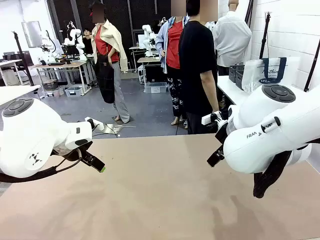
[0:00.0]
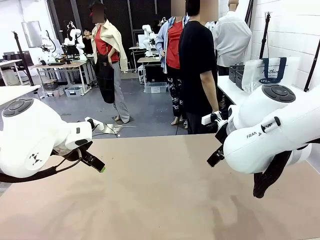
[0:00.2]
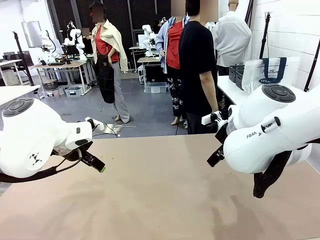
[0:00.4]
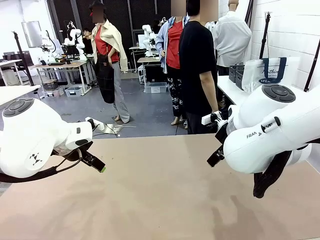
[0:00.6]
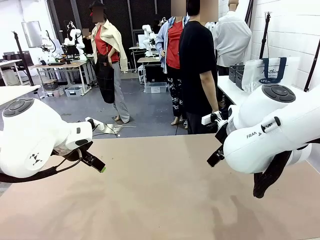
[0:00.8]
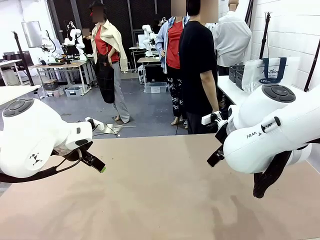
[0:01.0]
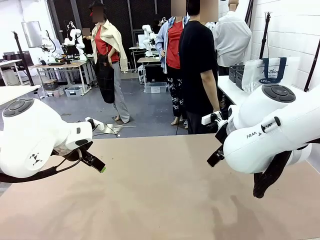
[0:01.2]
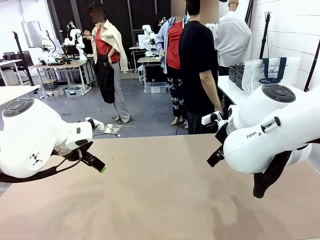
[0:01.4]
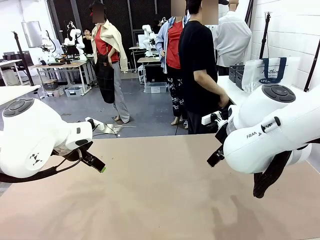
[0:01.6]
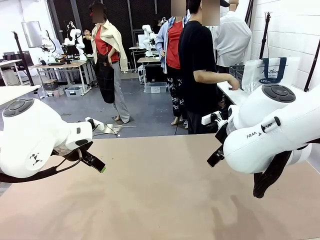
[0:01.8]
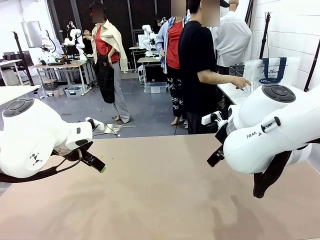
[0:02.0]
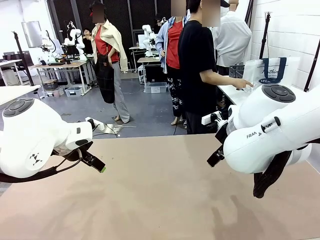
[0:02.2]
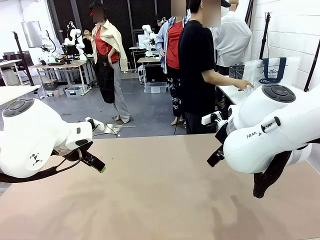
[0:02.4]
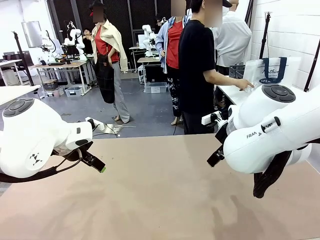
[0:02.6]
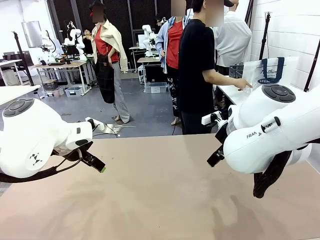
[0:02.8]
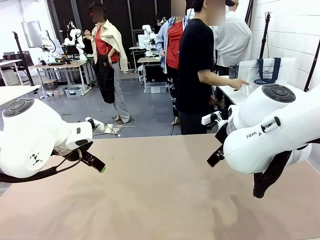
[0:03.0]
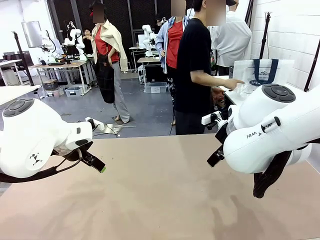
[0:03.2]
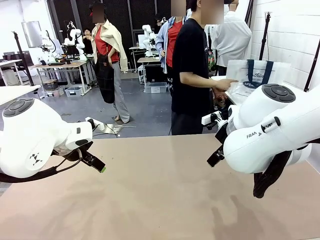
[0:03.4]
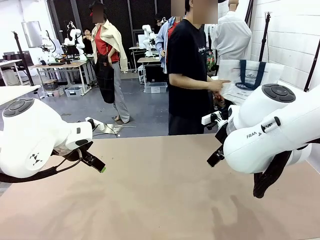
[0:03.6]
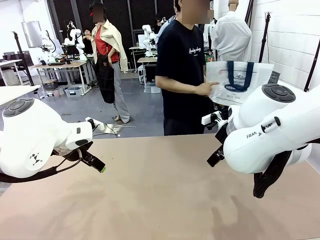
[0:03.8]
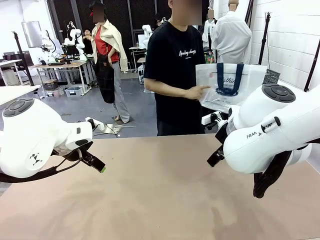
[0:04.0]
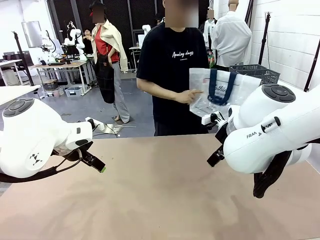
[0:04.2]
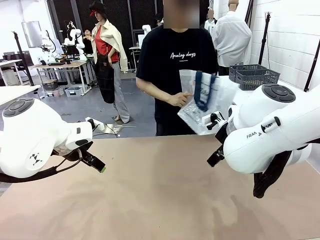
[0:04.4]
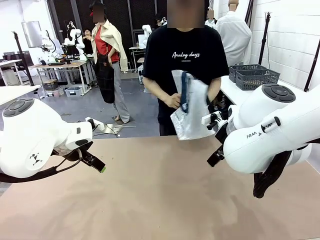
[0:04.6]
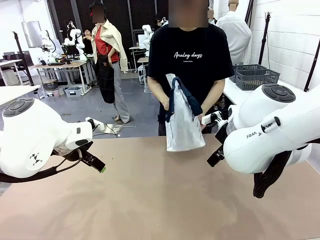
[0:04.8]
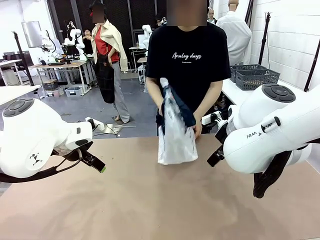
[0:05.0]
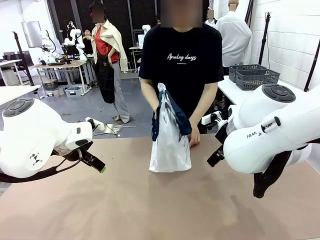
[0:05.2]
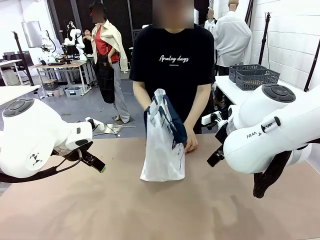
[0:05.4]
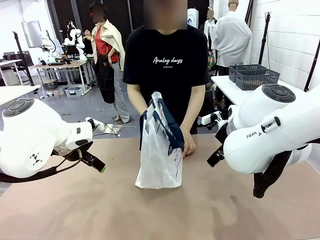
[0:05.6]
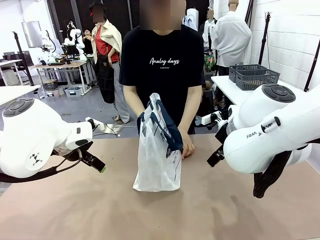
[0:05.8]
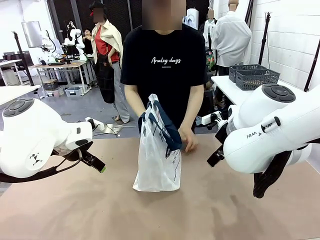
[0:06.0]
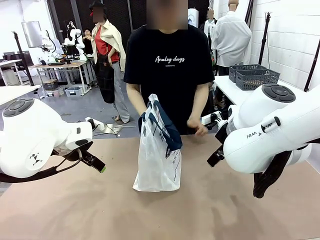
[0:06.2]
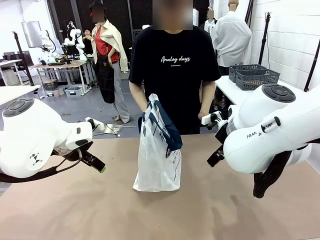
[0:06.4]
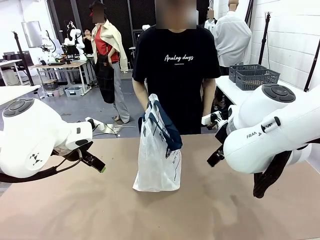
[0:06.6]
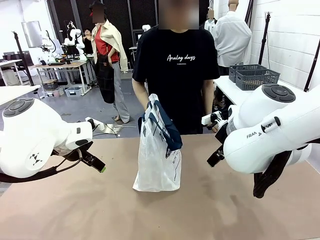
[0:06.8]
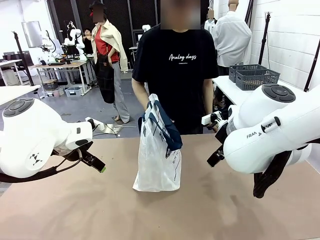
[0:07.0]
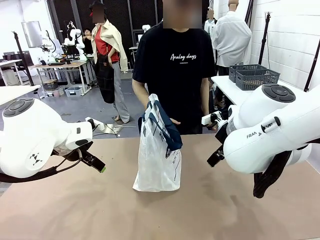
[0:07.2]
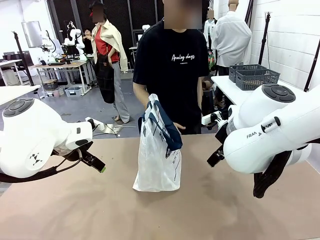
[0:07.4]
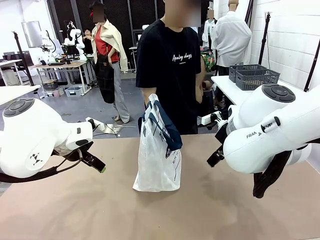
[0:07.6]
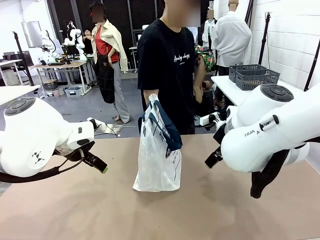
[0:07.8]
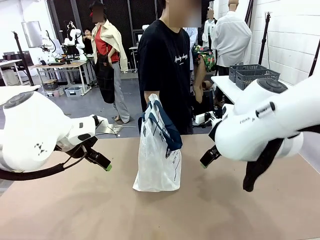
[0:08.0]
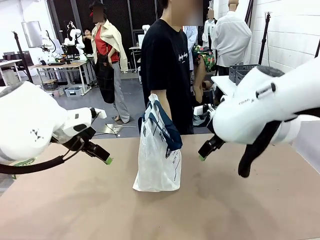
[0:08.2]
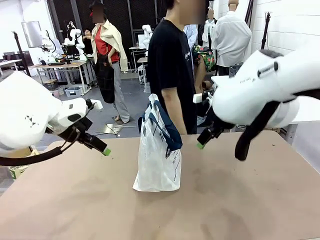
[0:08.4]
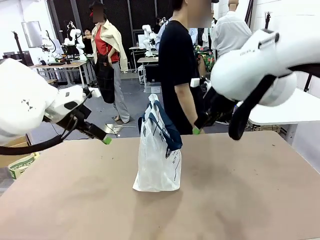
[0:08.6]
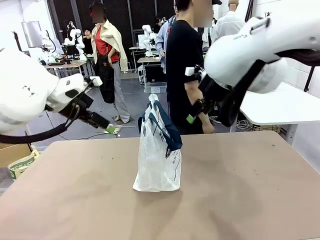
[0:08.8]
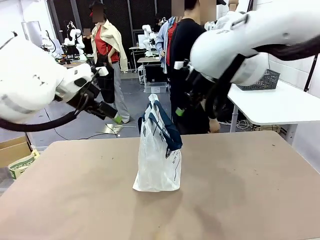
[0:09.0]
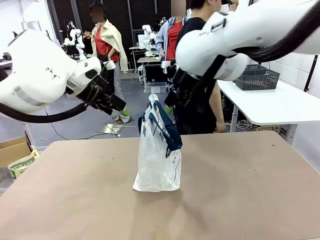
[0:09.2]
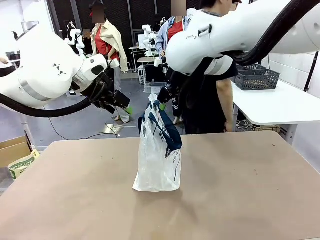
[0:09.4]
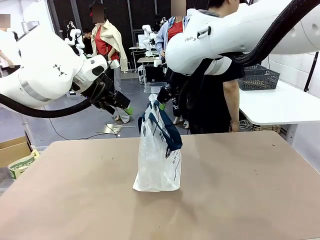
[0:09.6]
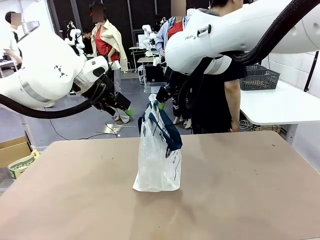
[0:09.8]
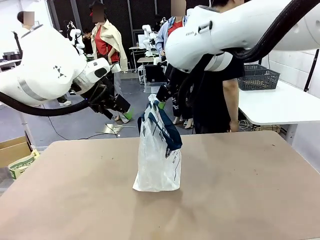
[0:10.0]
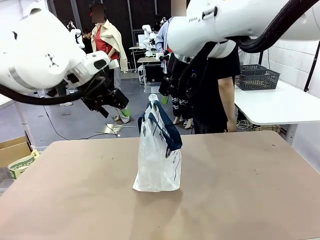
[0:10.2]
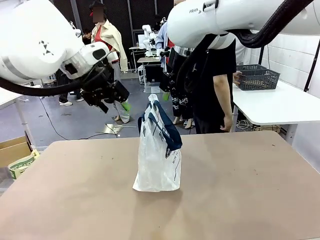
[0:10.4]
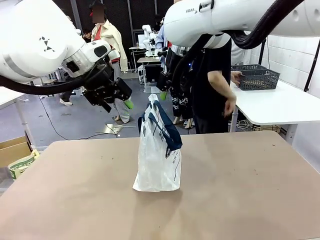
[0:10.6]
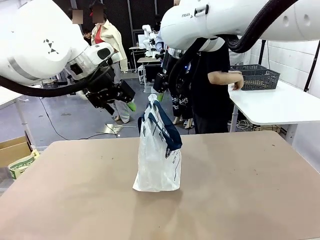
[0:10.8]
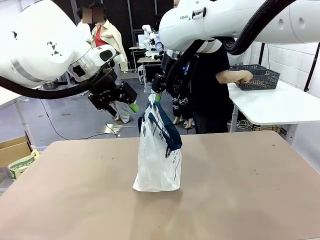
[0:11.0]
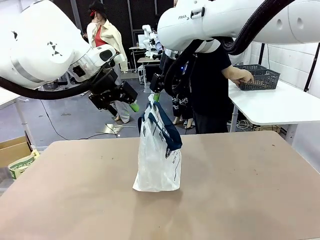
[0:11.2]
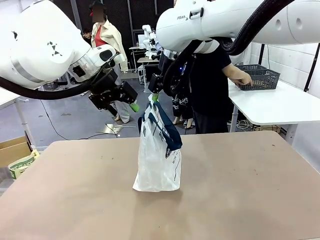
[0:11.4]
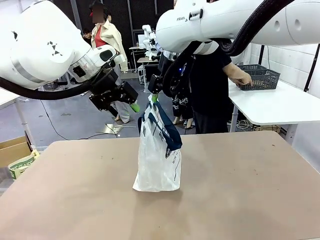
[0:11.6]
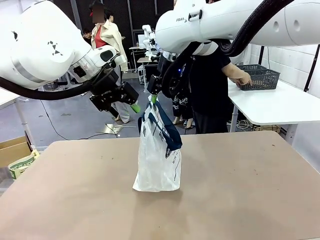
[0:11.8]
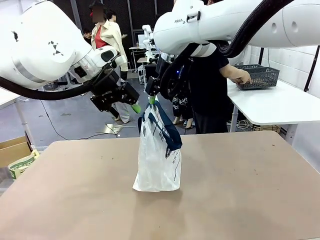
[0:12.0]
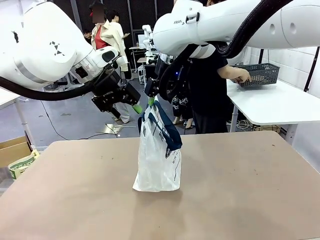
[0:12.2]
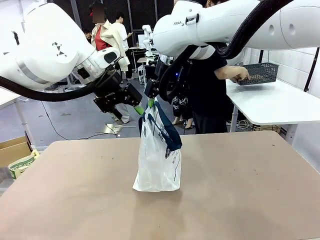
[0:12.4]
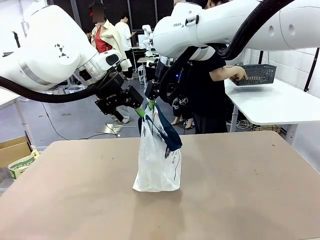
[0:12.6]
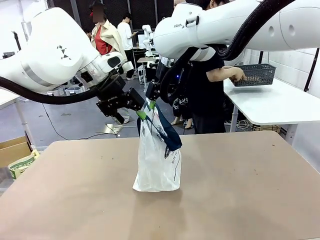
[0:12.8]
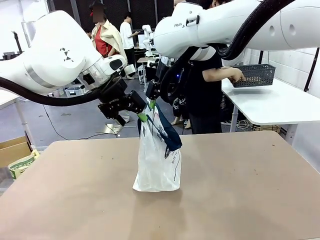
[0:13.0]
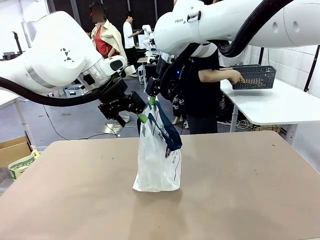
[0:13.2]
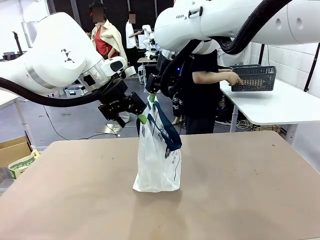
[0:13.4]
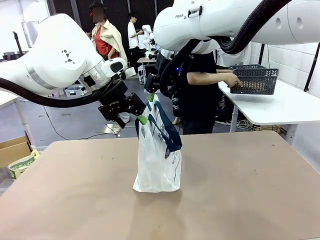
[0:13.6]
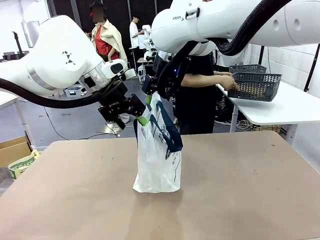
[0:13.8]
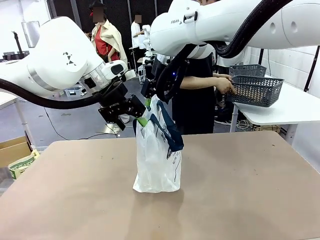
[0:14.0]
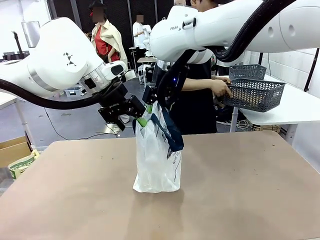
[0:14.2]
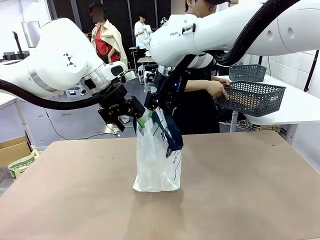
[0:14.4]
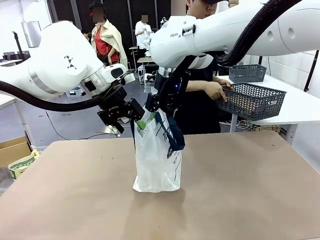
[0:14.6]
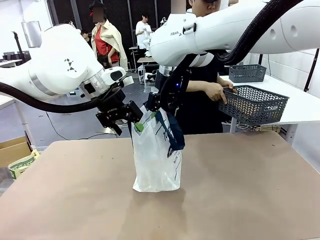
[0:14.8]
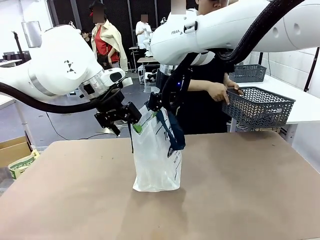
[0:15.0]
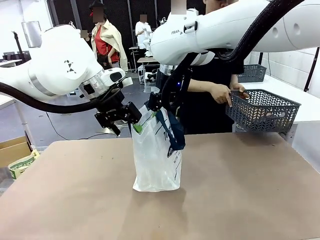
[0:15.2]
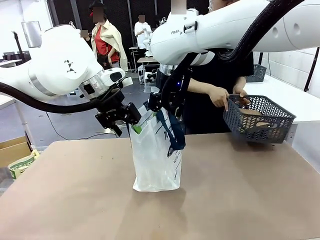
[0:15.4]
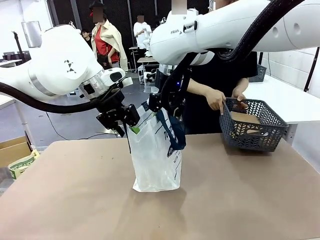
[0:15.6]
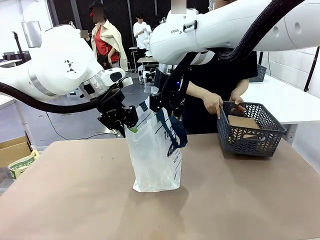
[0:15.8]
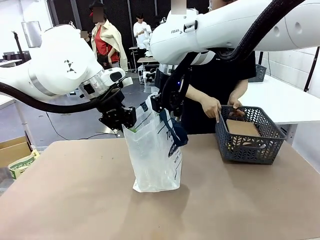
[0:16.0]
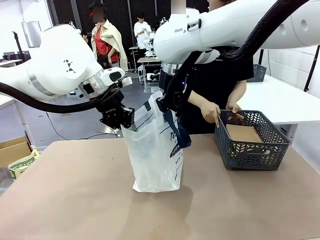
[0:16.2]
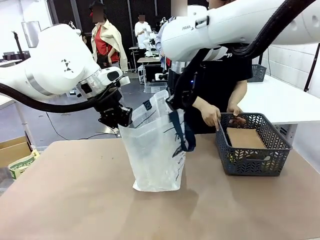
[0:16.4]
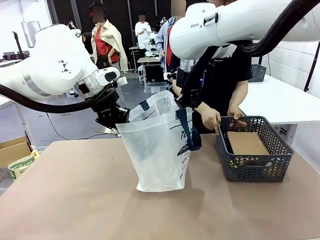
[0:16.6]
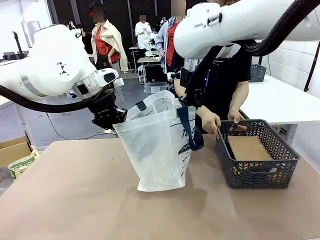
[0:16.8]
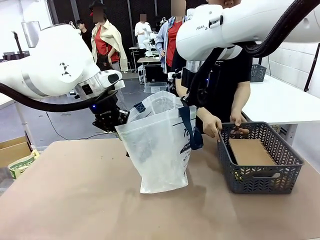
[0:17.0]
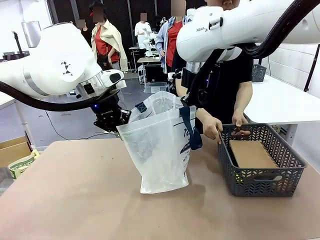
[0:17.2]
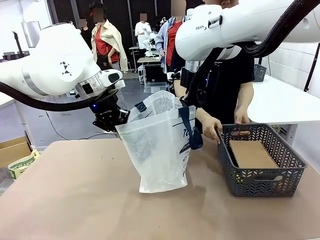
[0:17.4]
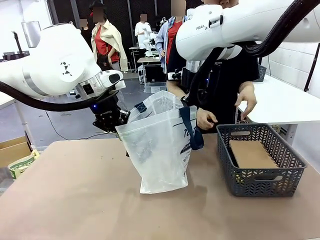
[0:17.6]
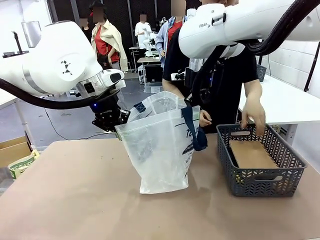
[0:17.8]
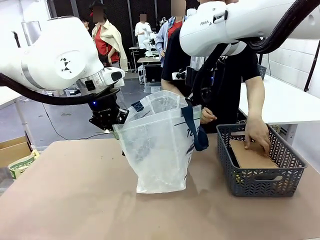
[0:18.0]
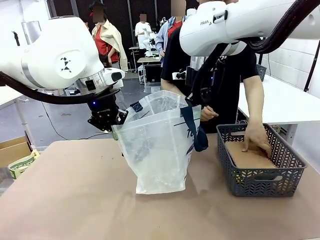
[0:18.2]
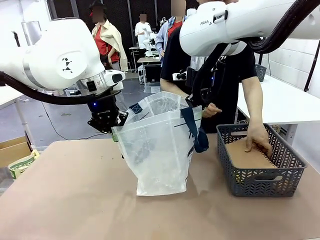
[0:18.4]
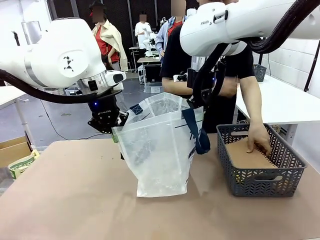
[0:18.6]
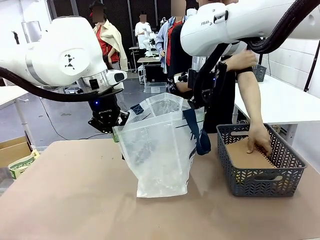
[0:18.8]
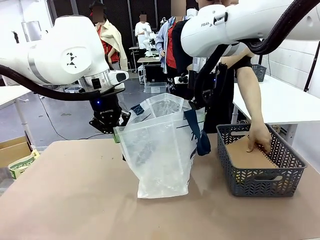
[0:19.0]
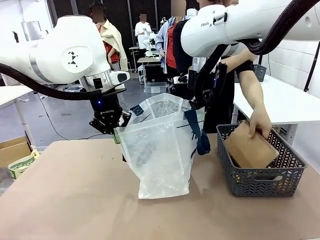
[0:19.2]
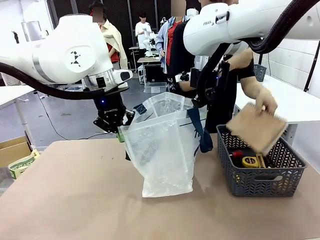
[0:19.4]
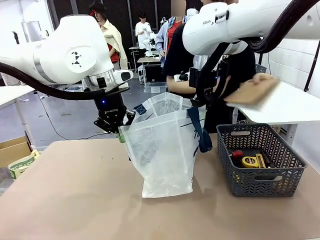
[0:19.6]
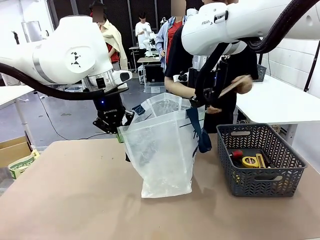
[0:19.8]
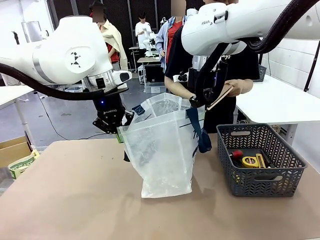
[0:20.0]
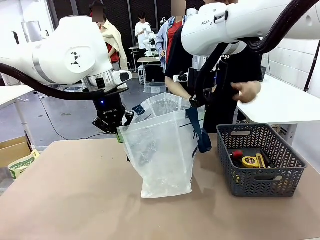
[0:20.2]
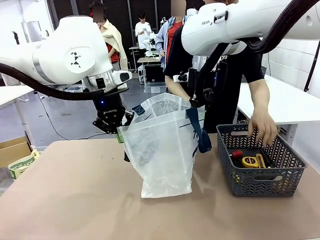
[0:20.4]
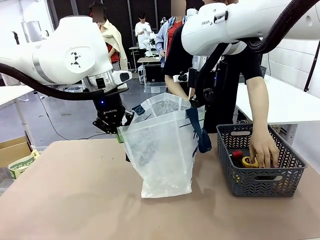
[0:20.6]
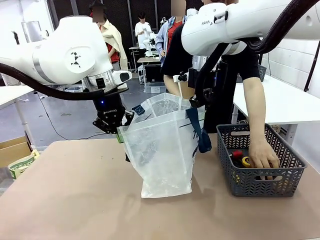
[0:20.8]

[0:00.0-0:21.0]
Task: Transfer purchased items from the store into the shopping bag.
Robot: Open the Reusable shopping bag in the center of the table.
Person: Pick up the shopping bag and place it in the middle of the robot table.
